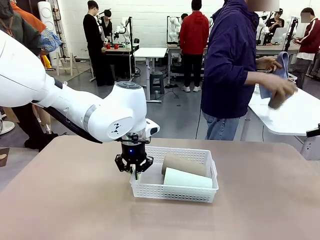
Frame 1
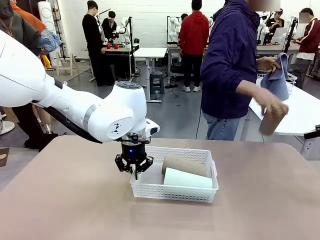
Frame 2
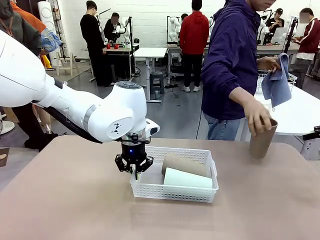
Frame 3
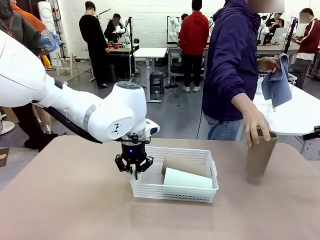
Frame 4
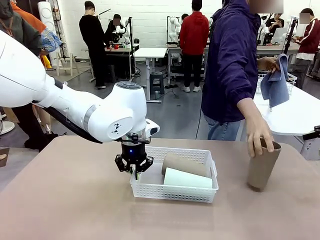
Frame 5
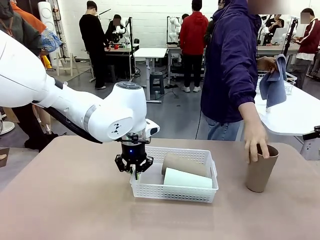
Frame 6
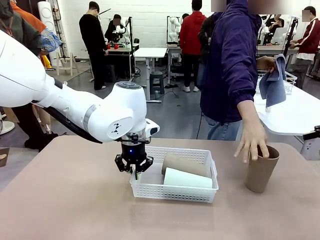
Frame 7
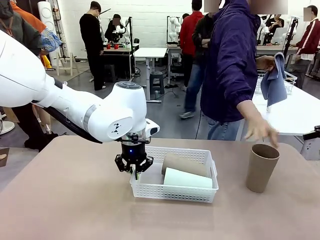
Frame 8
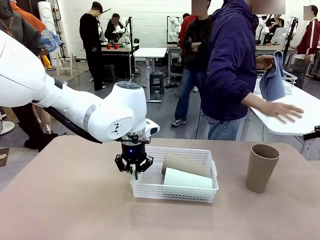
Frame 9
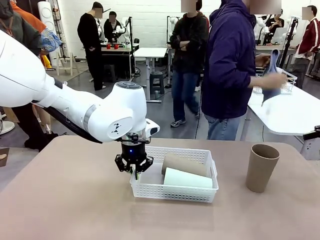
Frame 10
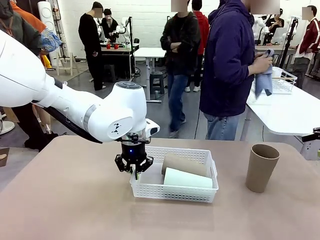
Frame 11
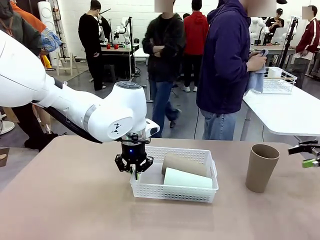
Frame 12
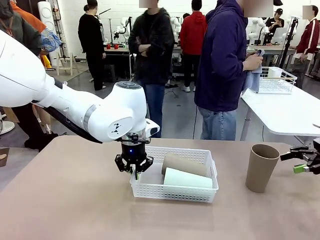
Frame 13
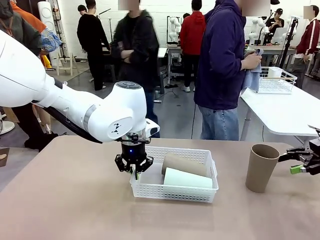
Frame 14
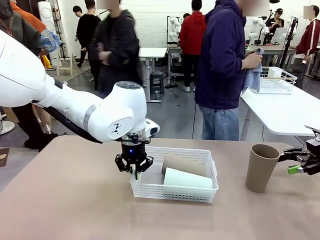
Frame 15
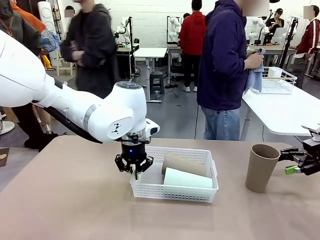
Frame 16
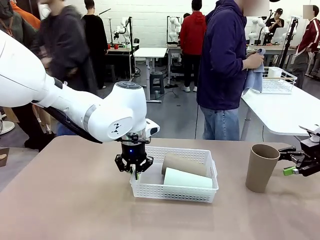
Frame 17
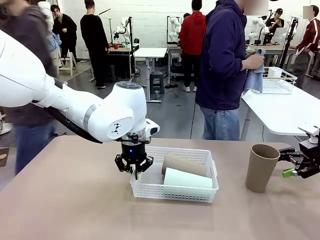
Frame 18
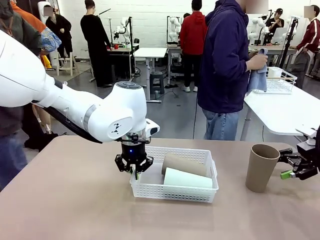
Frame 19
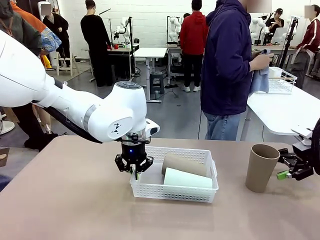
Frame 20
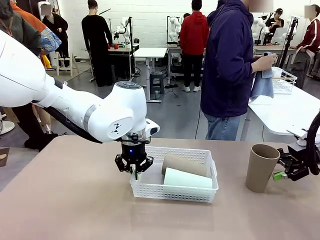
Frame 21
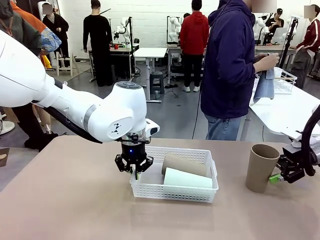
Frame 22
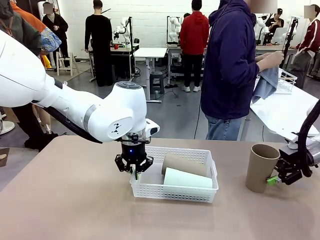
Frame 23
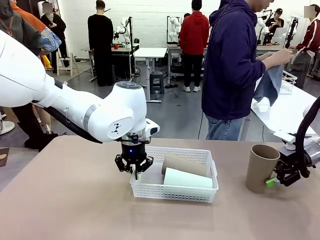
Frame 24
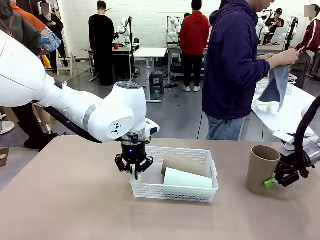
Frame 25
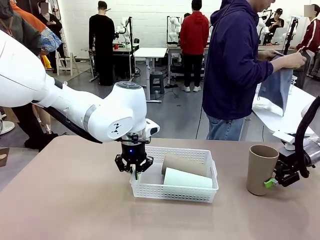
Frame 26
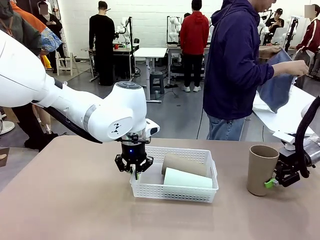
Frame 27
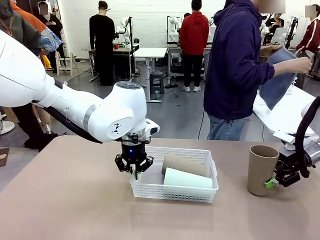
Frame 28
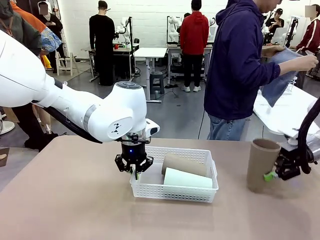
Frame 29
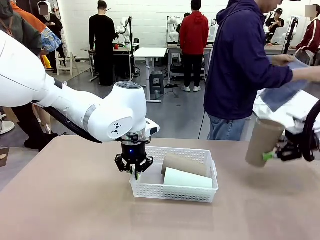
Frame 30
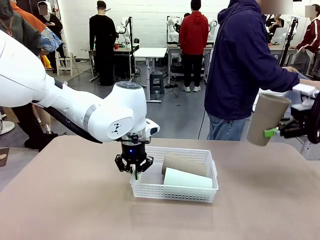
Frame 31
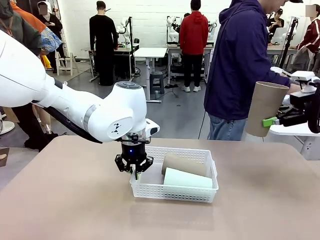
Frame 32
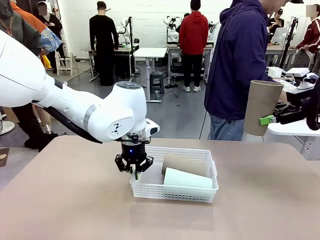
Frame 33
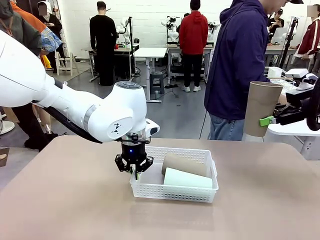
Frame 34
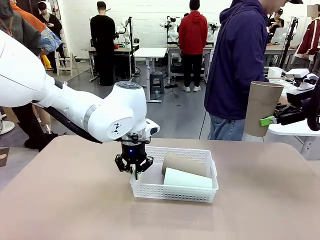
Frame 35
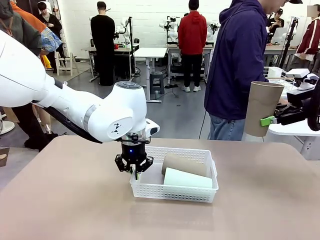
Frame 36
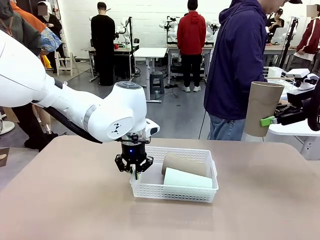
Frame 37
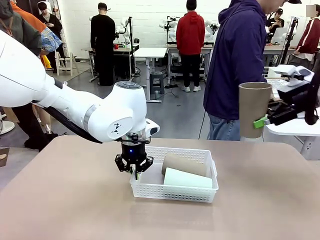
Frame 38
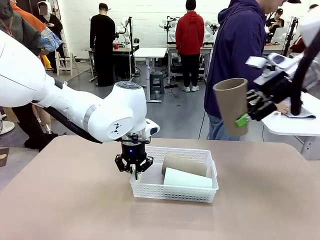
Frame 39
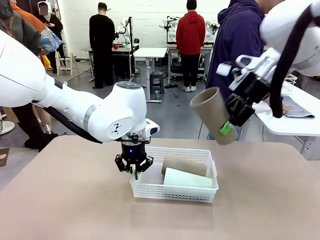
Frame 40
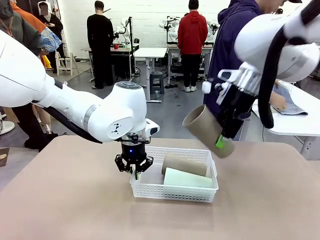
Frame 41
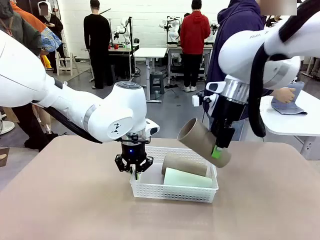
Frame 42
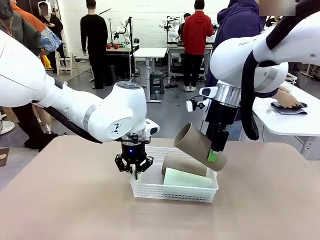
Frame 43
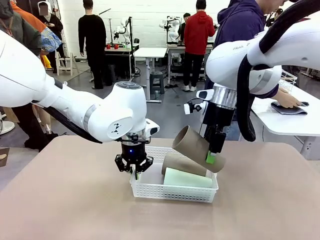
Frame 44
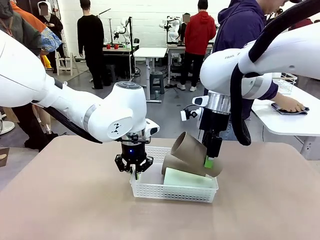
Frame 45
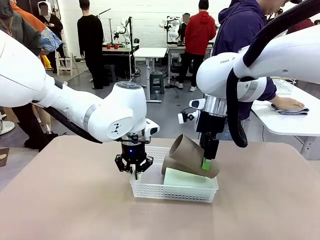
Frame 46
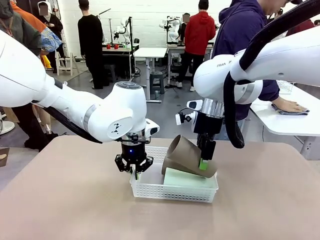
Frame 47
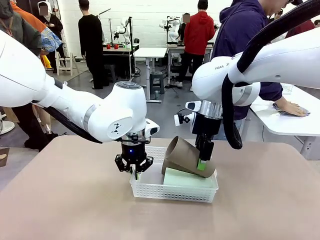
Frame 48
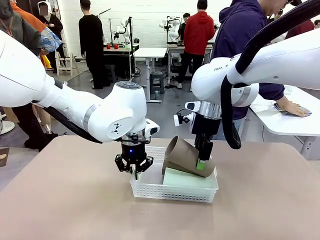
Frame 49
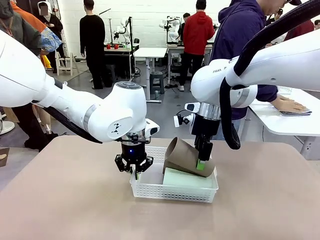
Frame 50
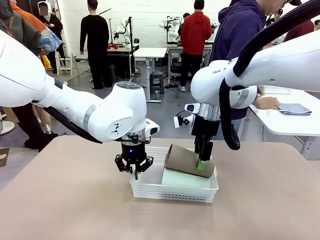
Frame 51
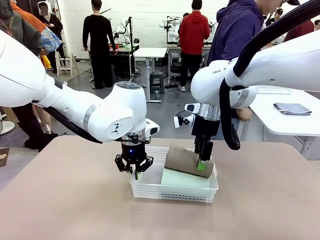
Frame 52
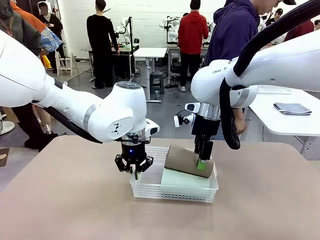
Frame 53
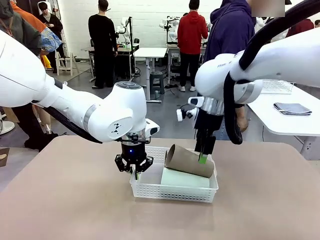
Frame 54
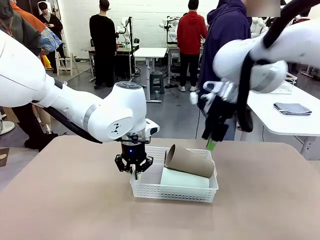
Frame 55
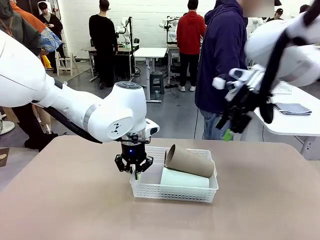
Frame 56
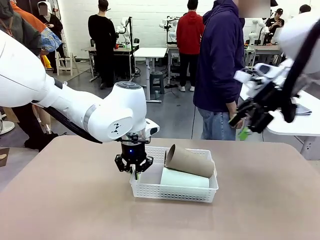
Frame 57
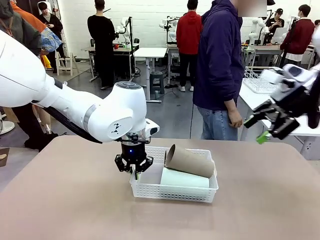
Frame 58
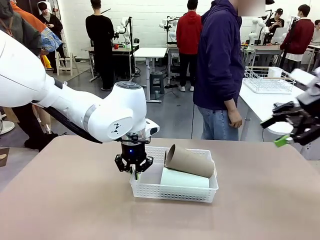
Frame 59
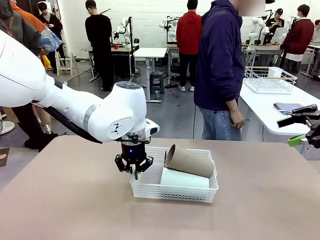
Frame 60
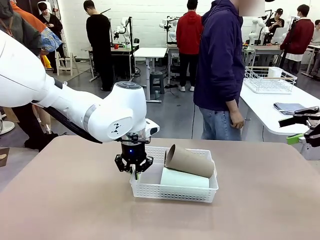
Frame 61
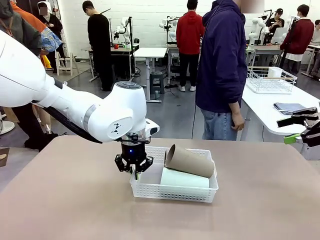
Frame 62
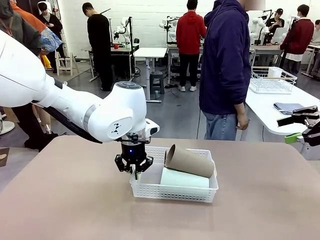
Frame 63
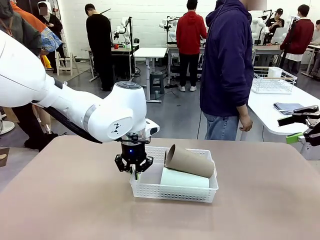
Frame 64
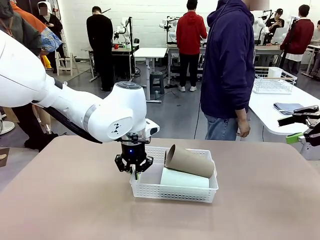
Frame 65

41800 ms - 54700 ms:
Task: Clean and organize the cups into the basket.
Robot: Pick up the Reusable plastic cup from the right side of the table and stack it inside the Organizing basket in the center of the table.

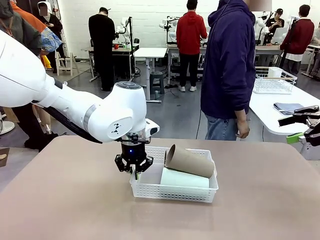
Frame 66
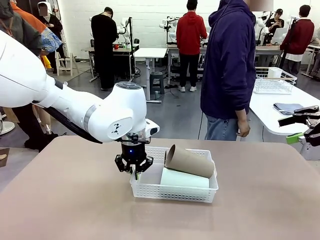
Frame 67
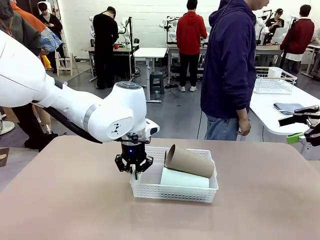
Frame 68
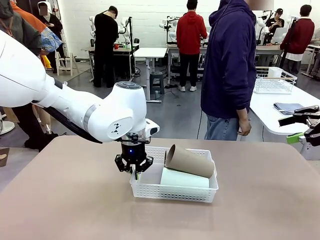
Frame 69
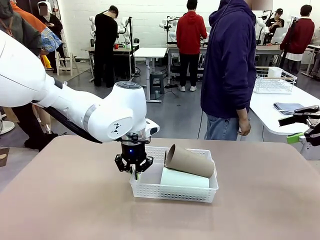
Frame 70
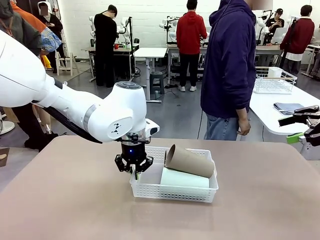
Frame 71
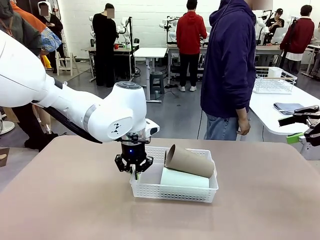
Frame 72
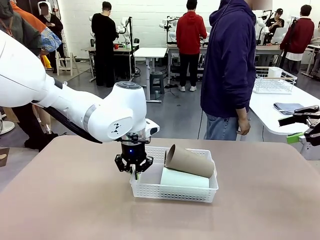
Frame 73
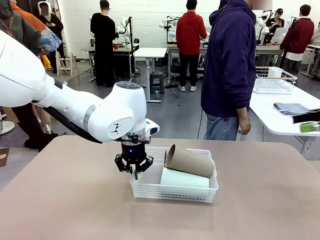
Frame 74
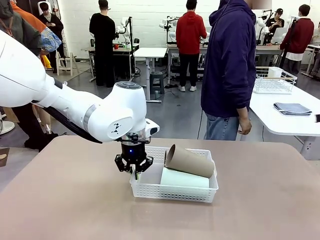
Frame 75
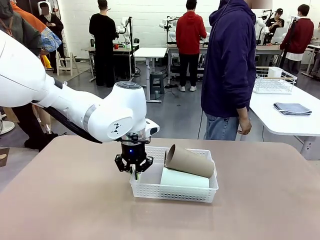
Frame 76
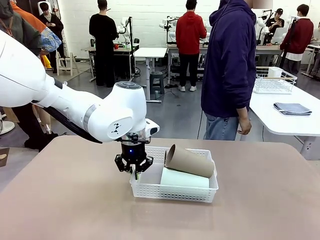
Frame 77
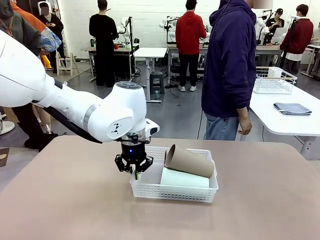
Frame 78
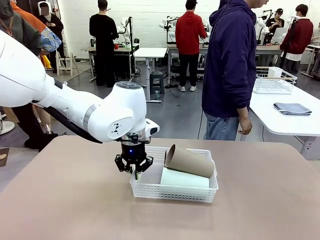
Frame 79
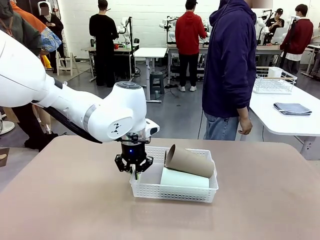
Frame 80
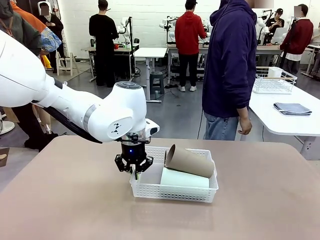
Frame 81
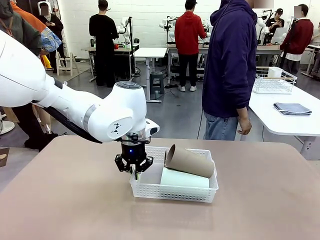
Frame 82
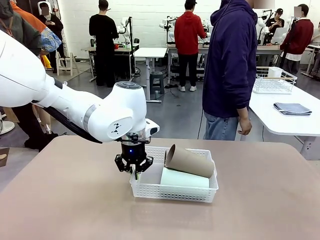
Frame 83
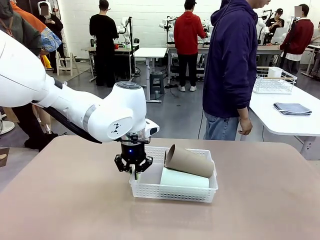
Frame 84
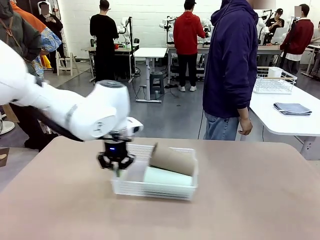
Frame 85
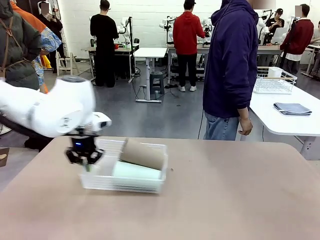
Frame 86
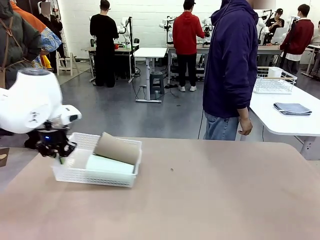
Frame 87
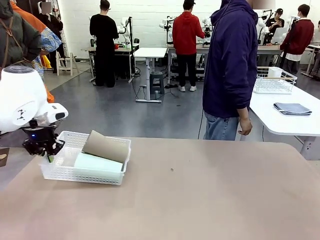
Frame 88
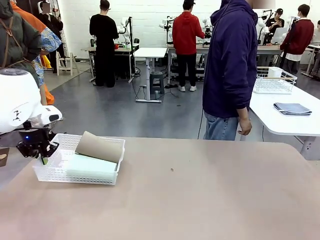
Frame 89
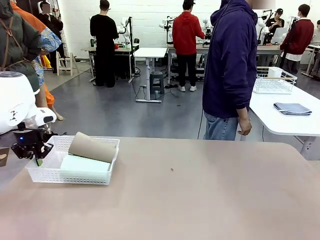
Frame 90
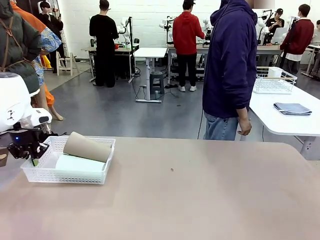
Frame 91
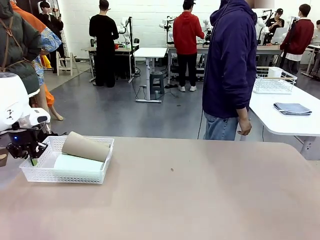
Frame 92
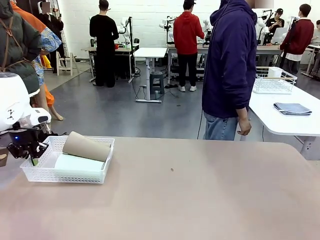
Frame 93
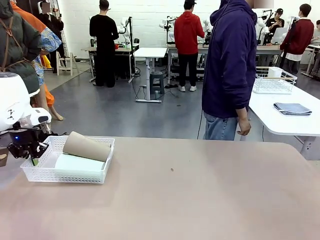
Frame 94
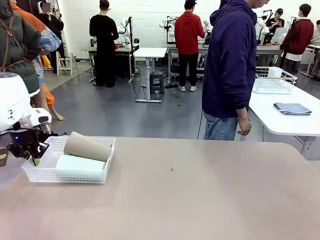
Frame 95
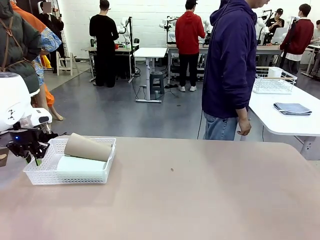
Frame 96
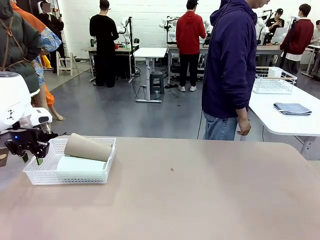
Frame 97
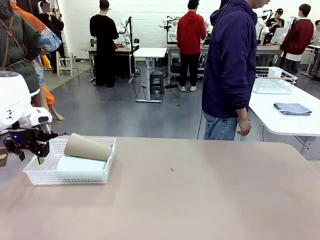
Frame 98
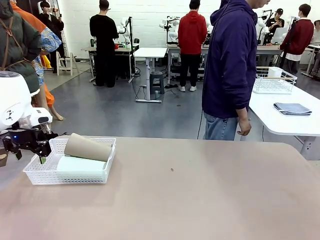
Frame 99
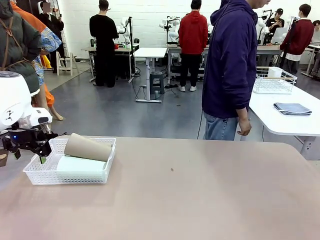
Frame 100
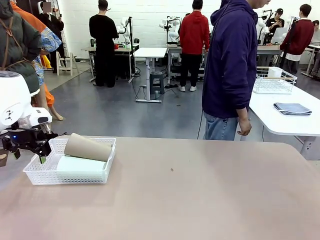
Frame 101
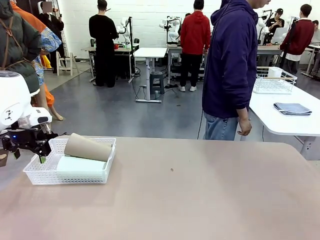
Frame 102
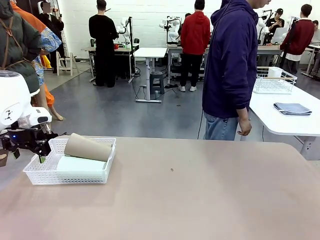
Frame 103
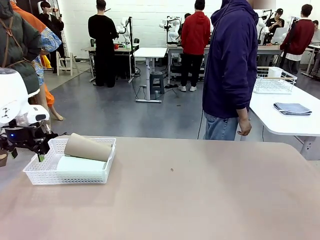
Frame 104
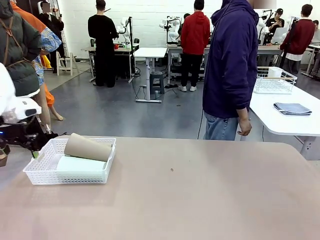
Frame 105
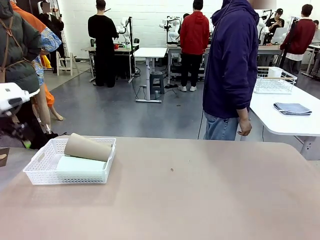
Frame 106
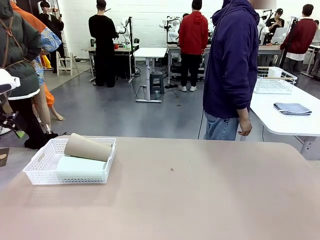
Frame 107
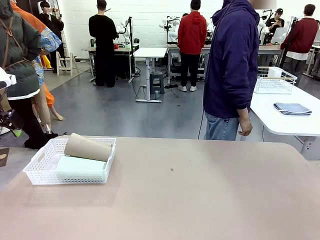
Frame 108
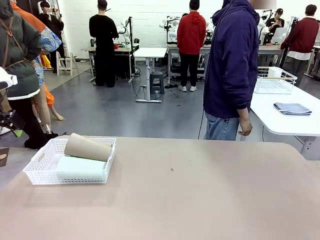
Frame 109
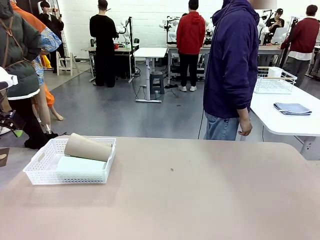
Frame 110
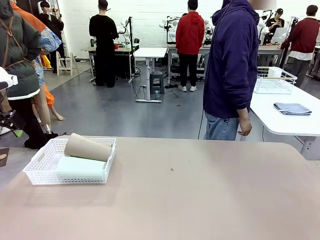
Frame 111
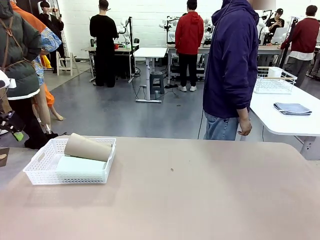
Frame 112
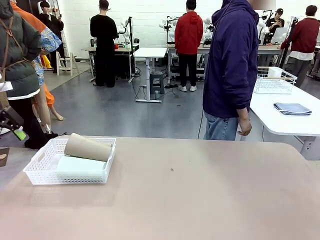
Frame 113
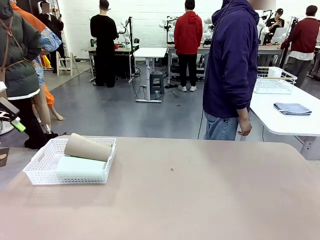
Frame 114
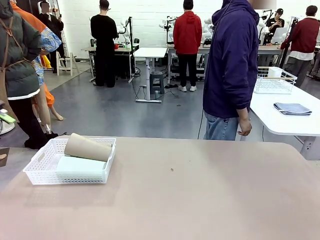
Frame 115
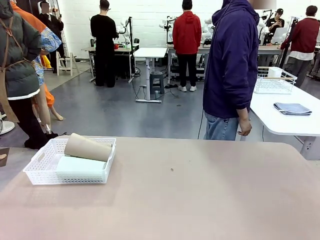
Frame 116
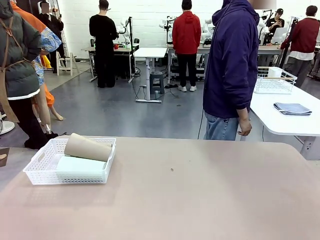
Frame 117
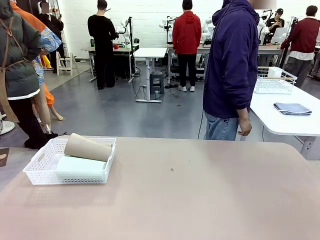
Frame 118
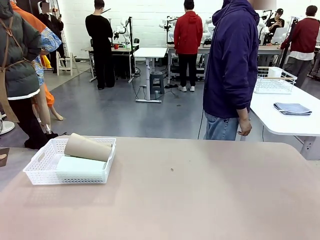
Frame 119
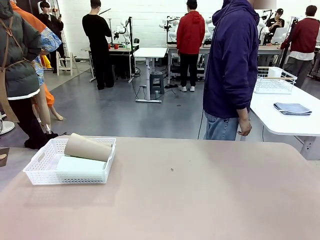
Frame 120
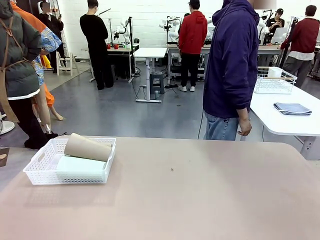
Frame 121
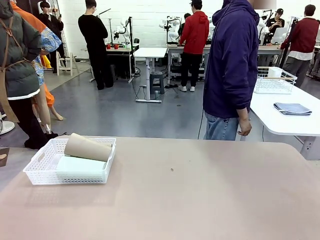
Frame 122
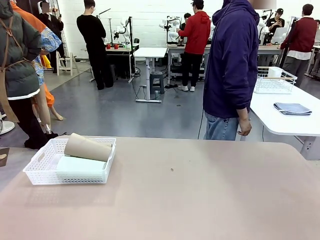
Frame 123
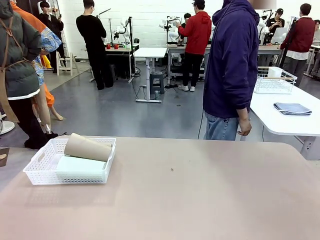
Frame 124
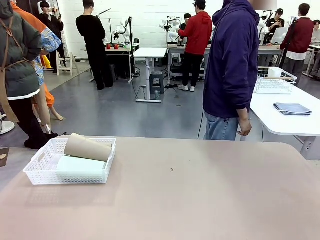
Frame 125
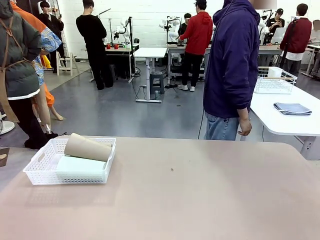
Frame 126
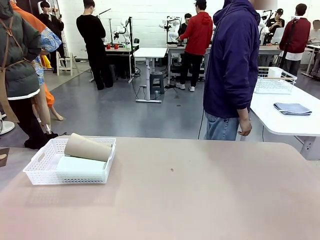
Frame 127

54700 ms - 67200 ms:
Robot: Move the Organizing basket back to the left side of the table.
Person: Folds the towel in half twice and places it in the right of the table.
